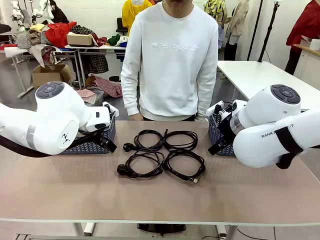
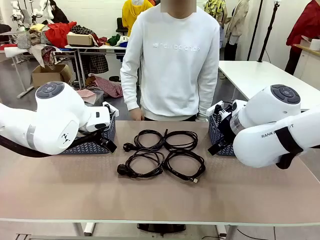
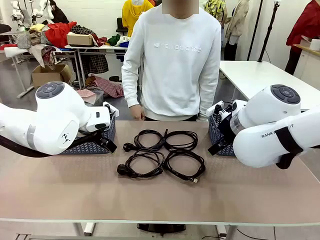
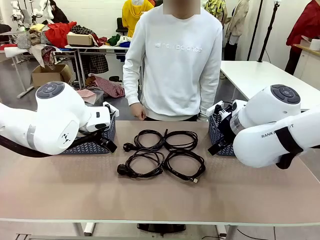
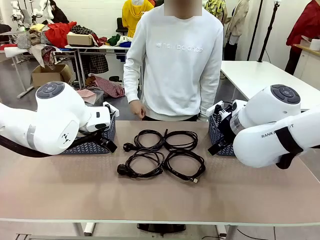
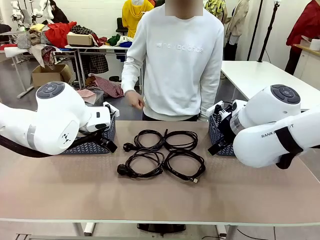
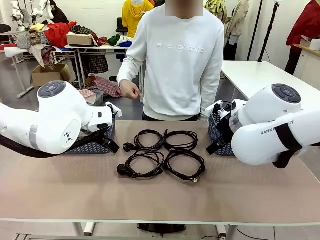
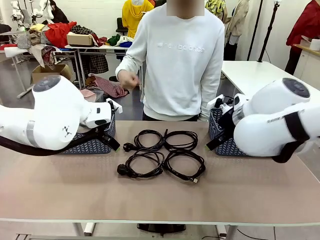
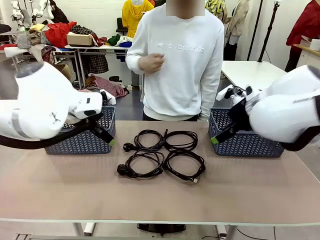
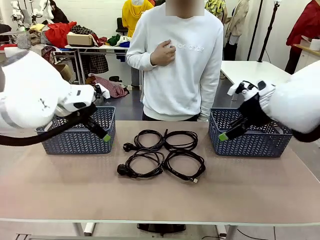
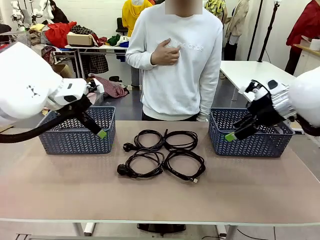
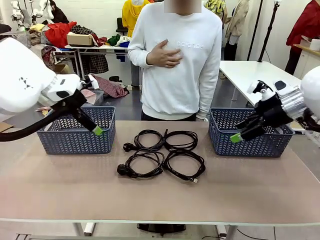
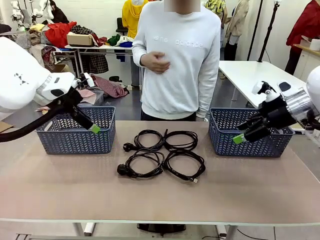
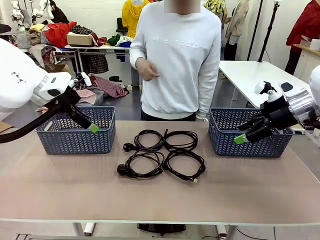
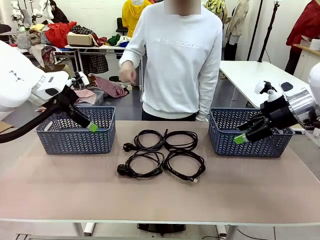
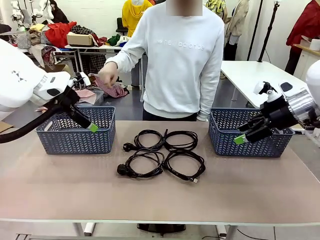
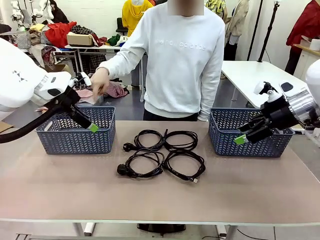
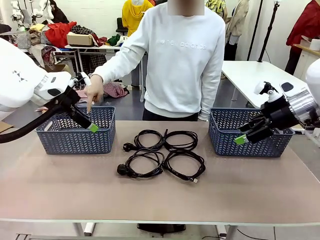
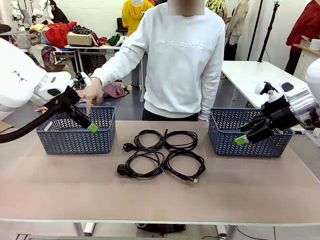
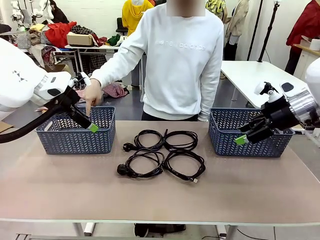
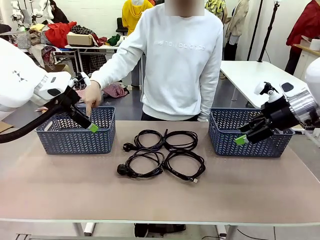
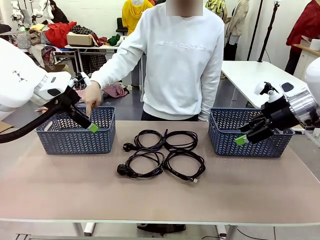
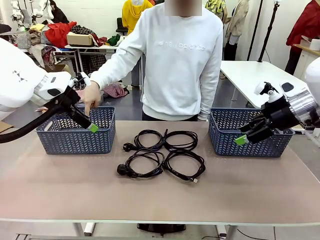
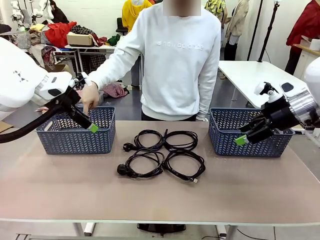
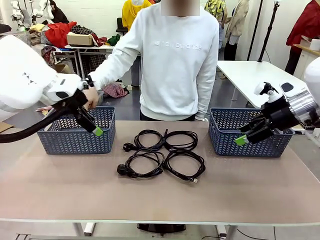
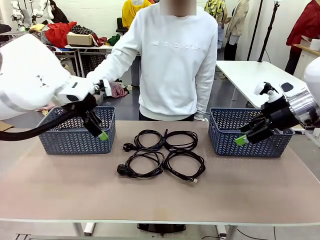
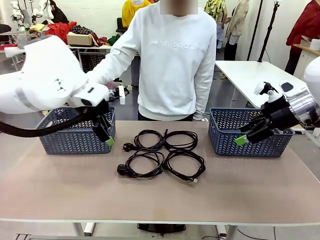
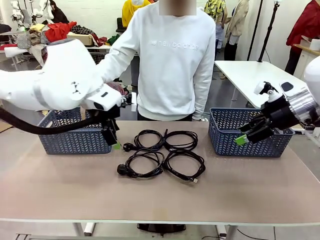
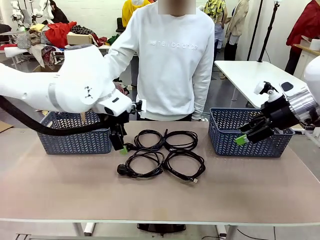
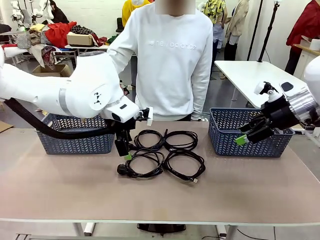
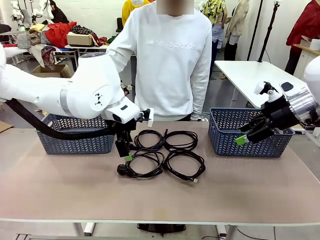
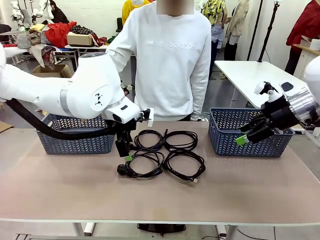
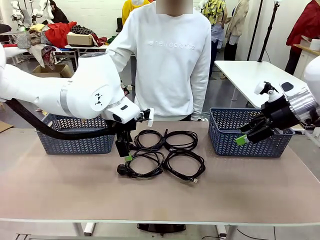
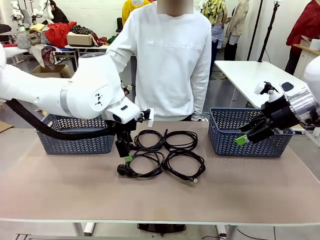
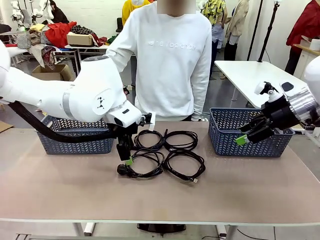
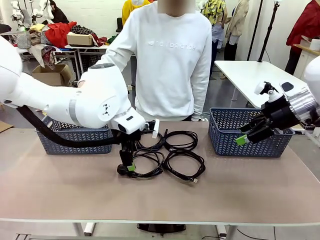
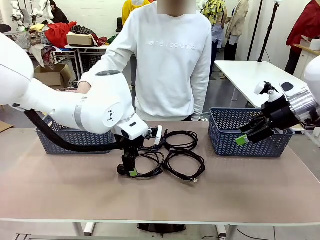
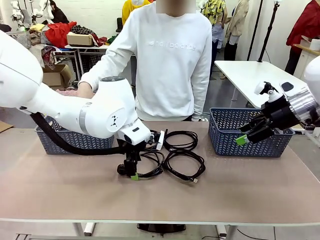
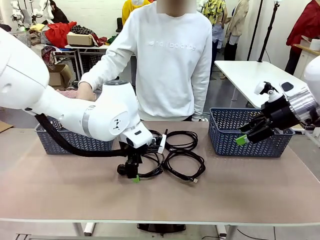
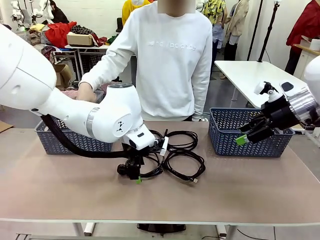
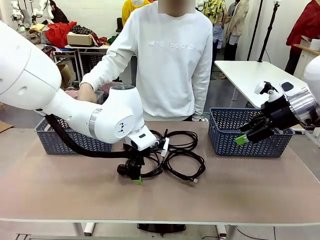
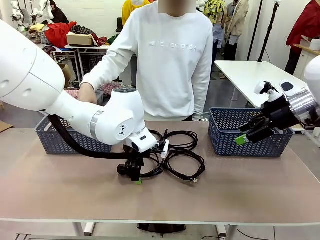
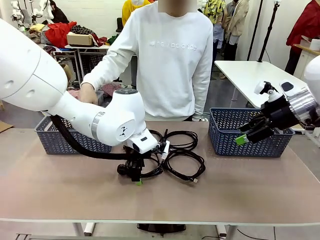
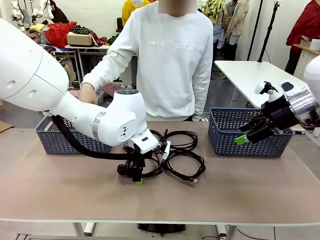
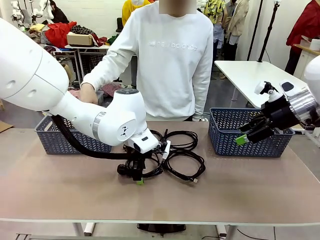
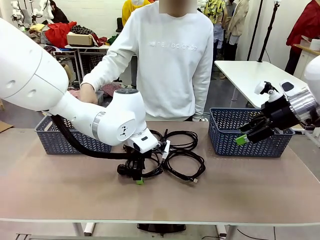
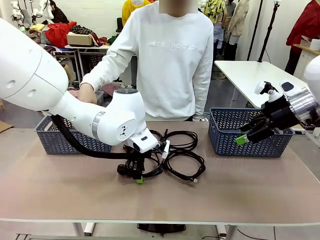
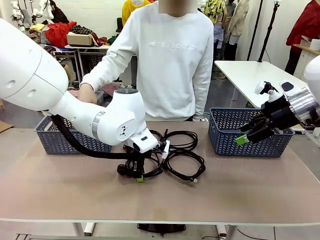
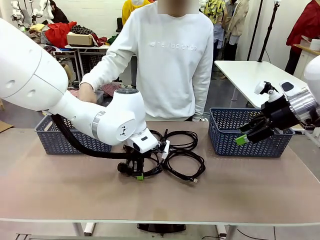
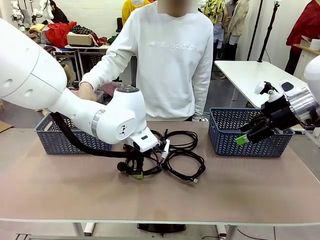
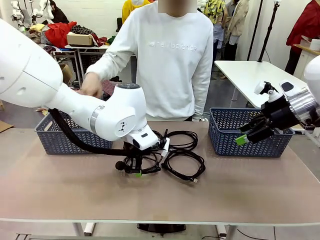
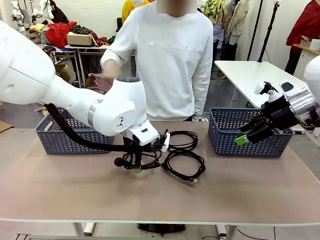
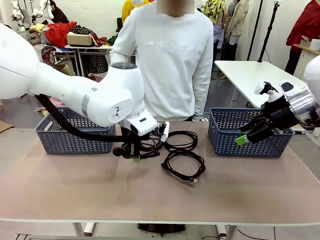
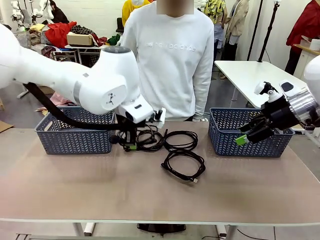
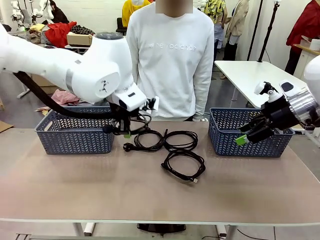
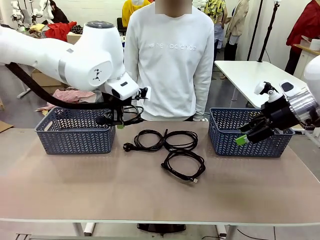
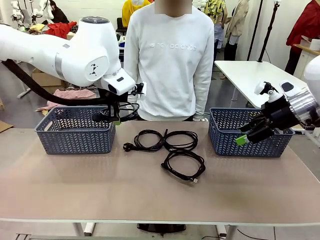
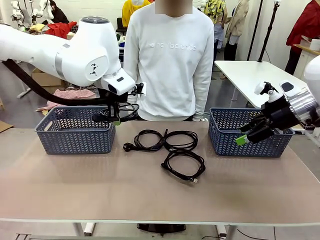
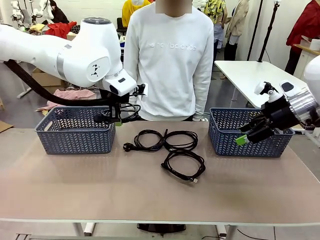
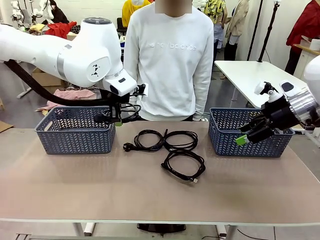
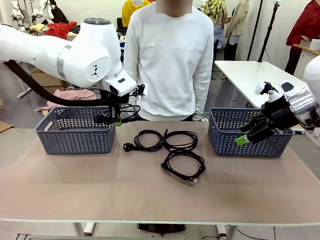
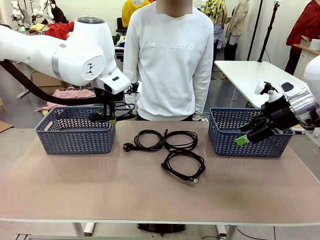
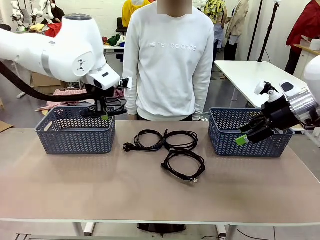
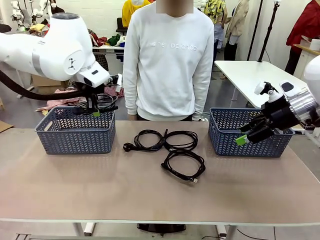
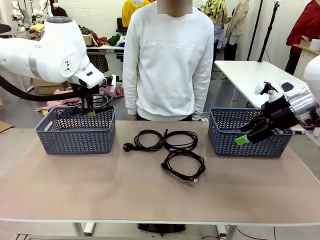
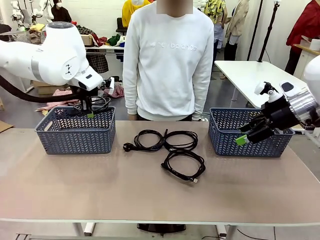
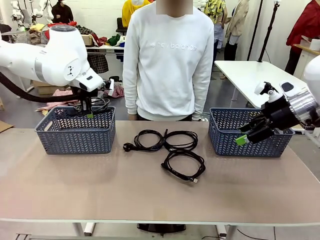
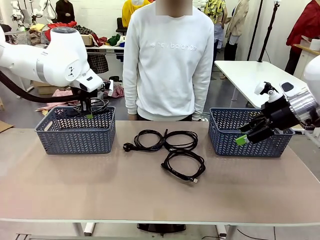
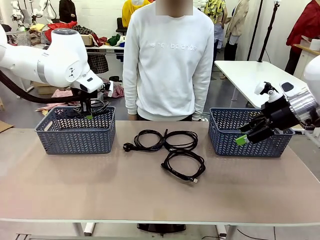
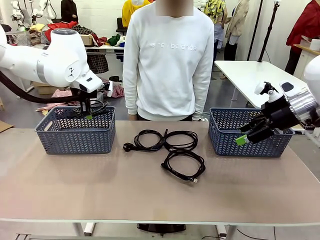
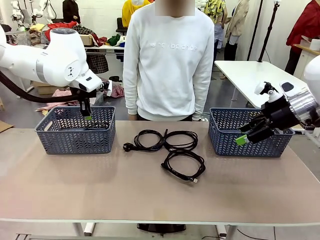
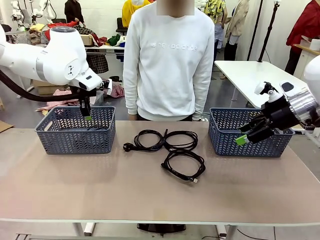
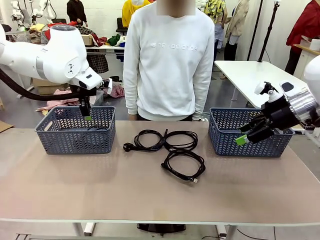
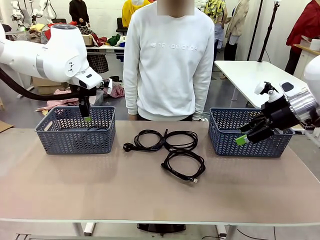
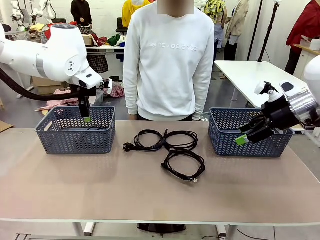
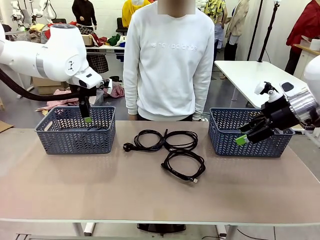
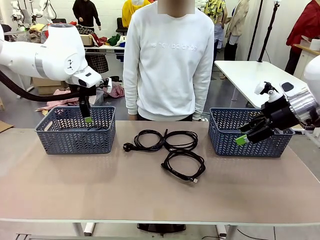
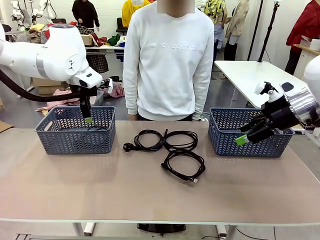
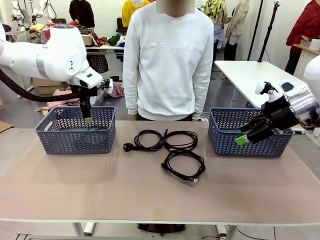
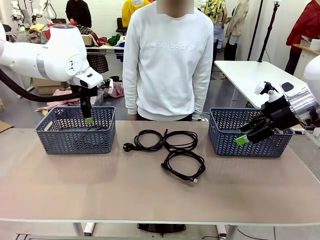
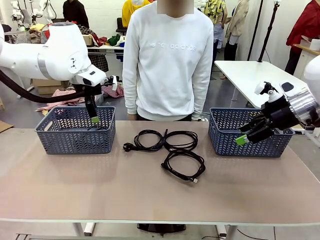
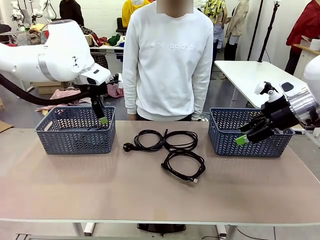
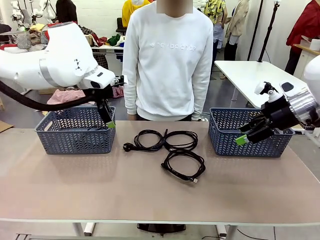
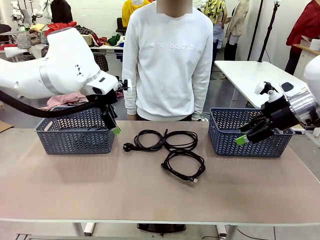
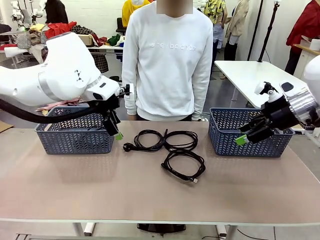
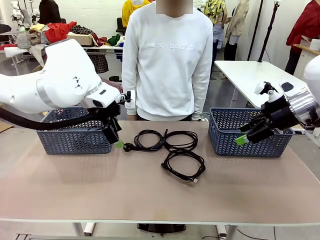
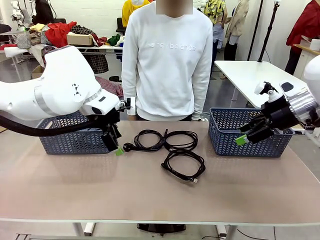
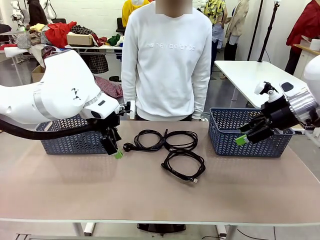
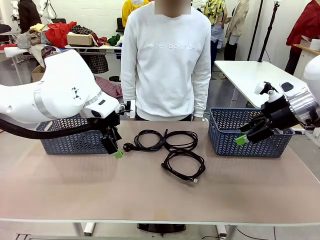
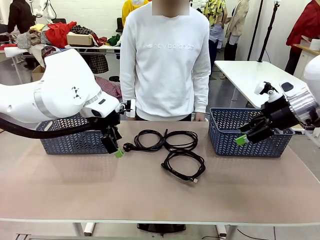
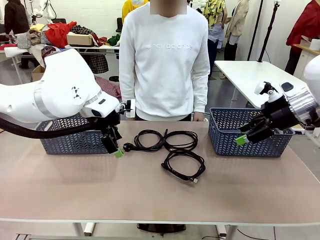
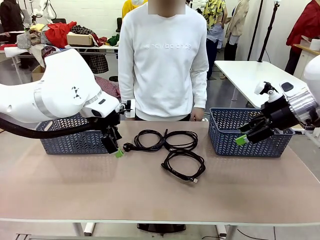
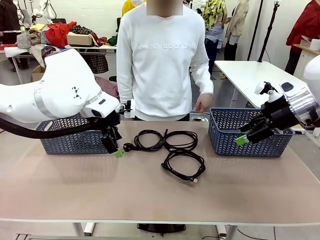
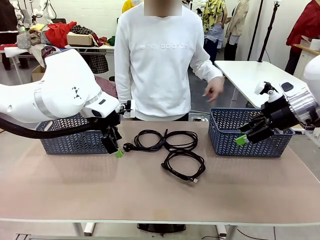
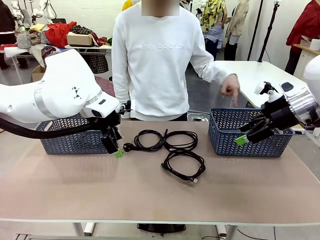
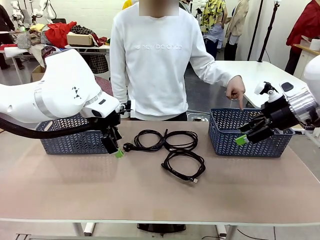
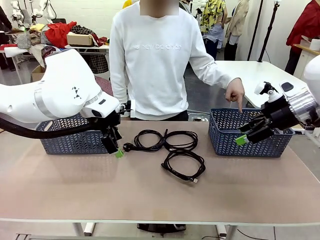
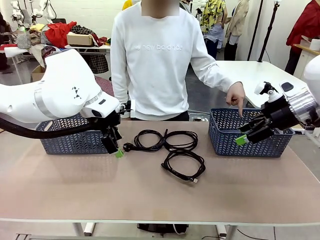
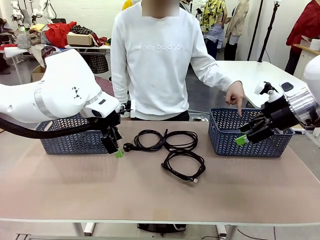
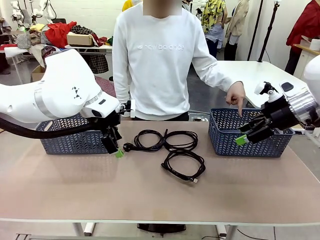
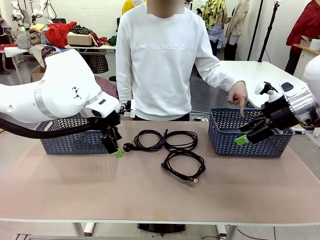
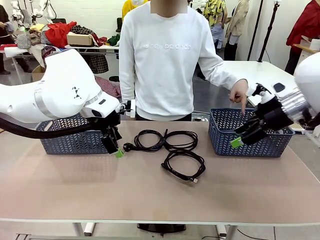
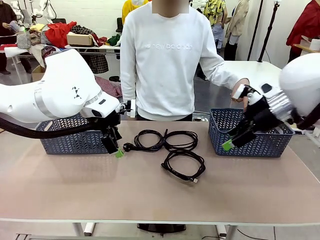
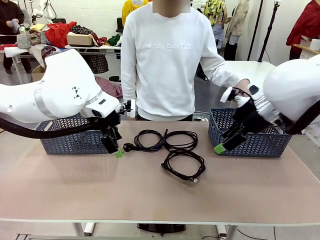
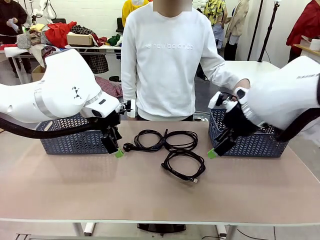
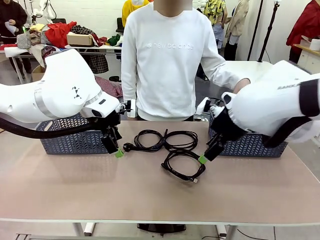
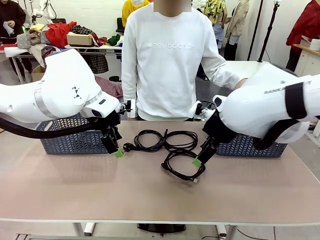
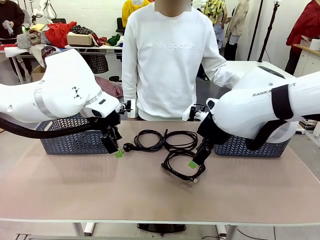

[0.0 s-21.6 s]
Task: Organize the cables according to human instructions.
Robot: Pick up a bundle of cables and place it in the basket indicated by the human.
